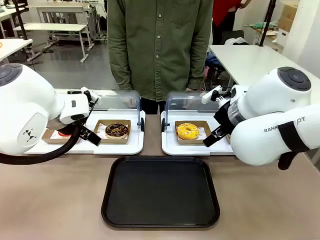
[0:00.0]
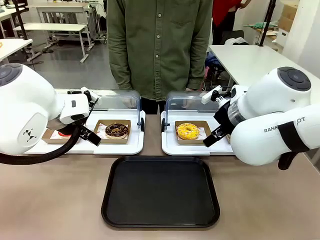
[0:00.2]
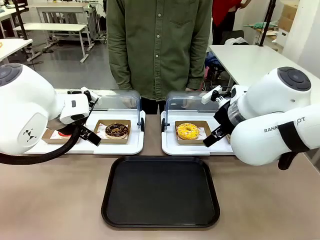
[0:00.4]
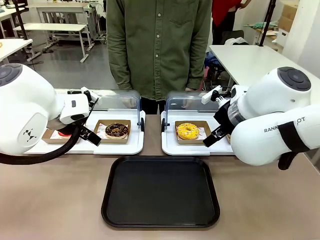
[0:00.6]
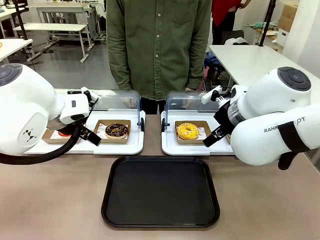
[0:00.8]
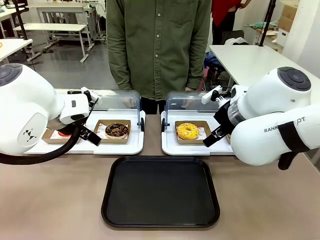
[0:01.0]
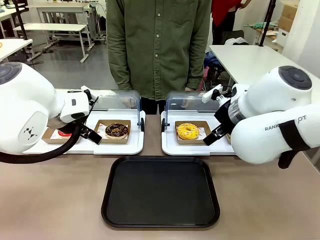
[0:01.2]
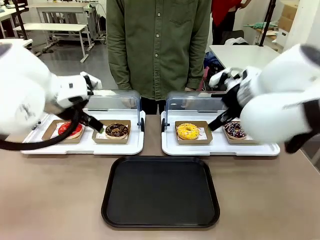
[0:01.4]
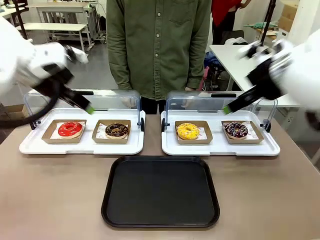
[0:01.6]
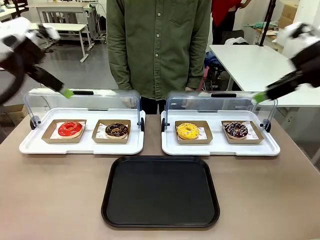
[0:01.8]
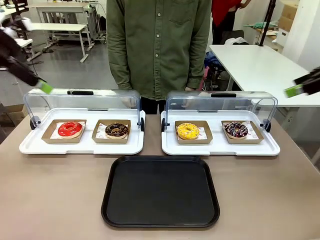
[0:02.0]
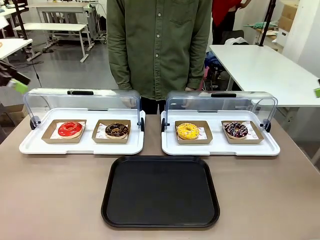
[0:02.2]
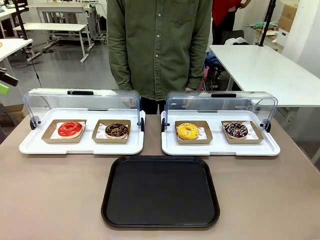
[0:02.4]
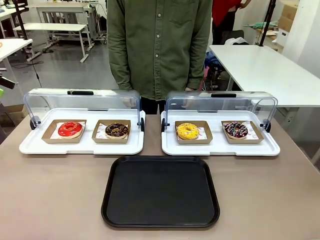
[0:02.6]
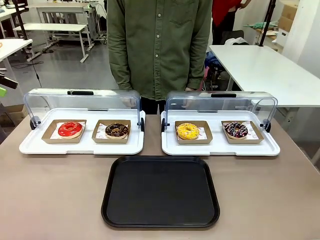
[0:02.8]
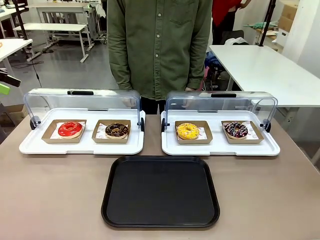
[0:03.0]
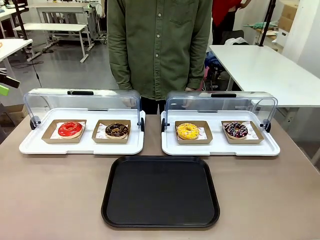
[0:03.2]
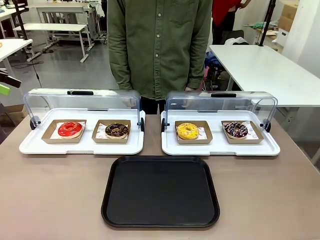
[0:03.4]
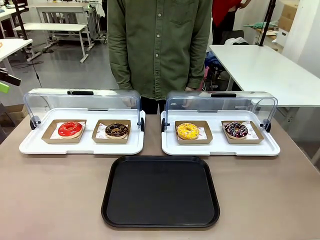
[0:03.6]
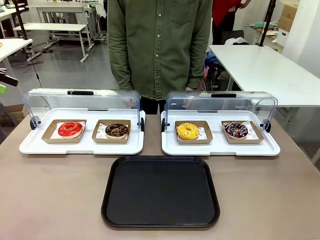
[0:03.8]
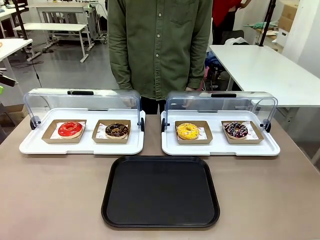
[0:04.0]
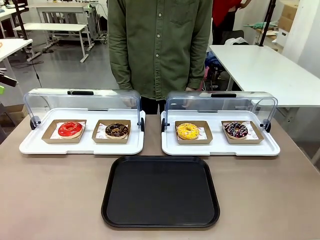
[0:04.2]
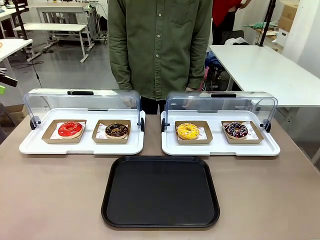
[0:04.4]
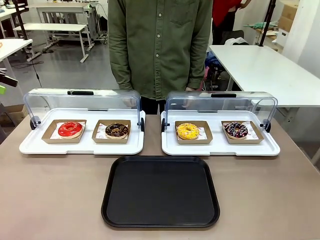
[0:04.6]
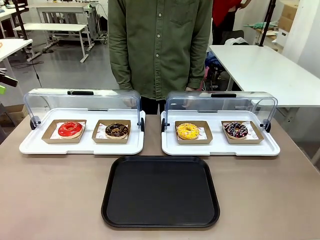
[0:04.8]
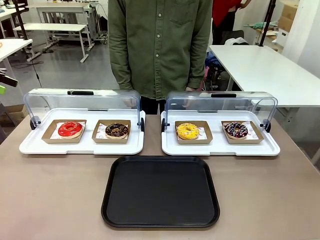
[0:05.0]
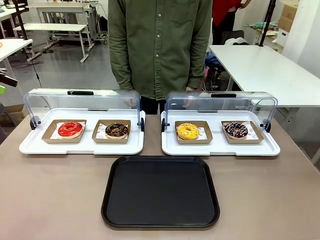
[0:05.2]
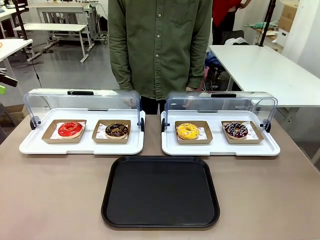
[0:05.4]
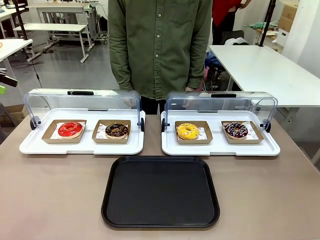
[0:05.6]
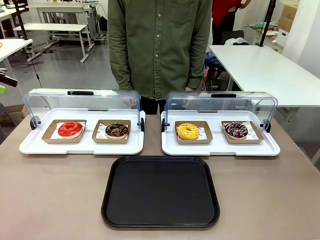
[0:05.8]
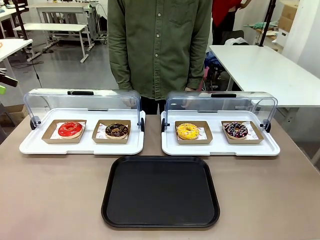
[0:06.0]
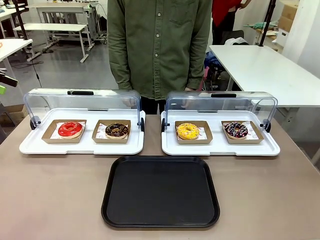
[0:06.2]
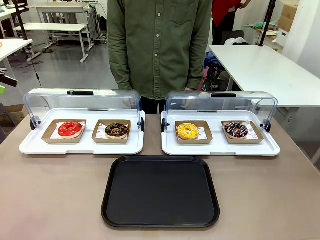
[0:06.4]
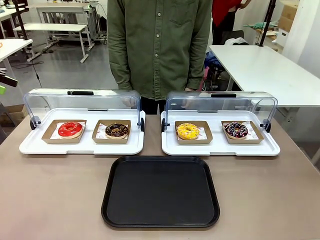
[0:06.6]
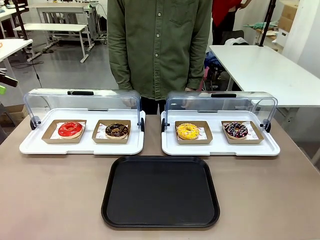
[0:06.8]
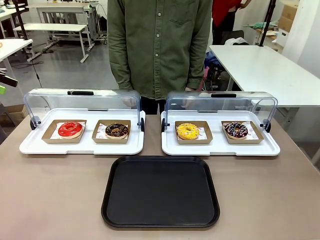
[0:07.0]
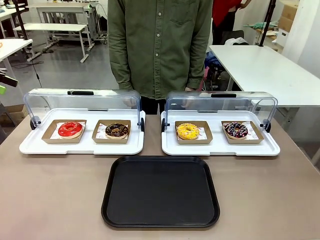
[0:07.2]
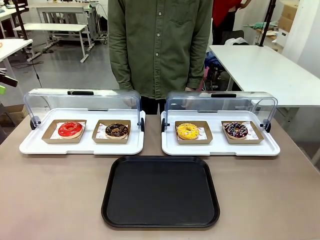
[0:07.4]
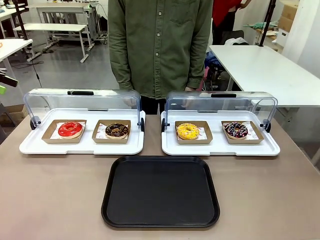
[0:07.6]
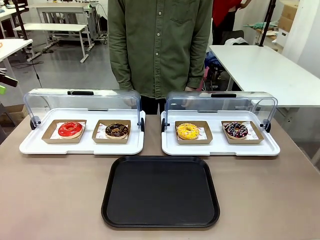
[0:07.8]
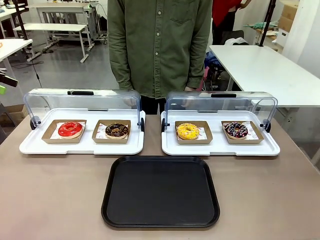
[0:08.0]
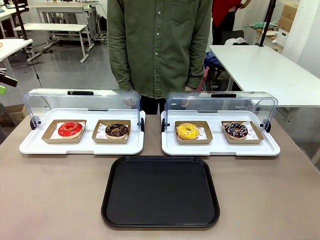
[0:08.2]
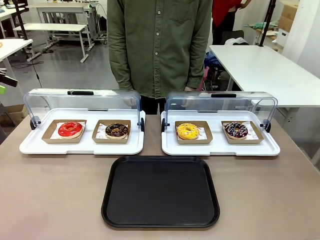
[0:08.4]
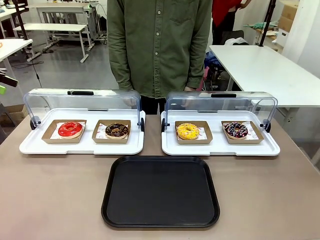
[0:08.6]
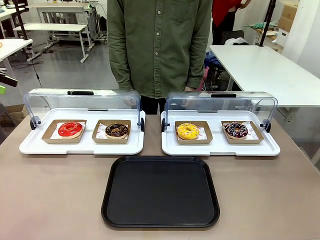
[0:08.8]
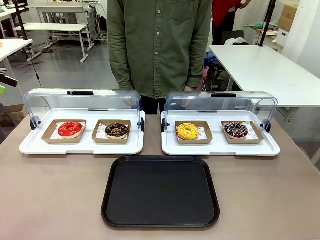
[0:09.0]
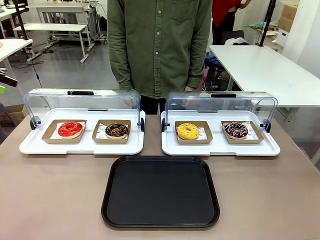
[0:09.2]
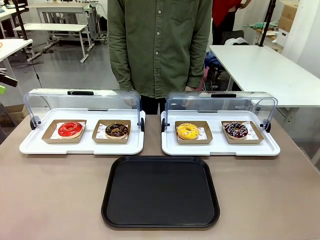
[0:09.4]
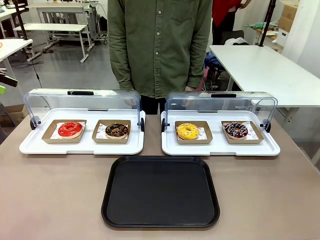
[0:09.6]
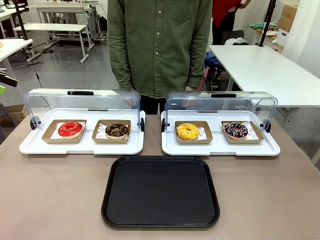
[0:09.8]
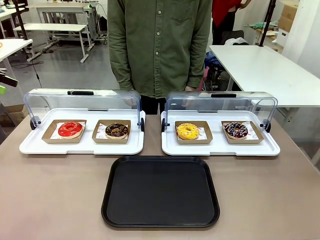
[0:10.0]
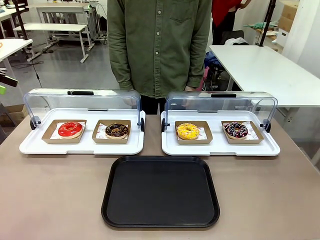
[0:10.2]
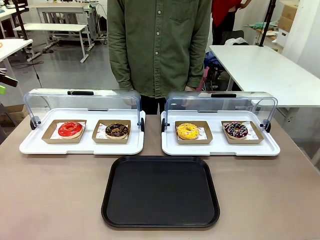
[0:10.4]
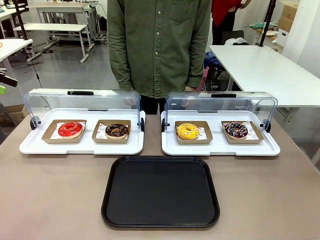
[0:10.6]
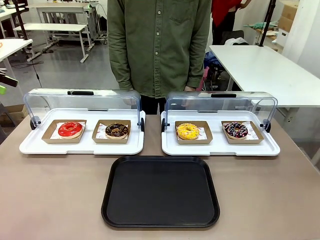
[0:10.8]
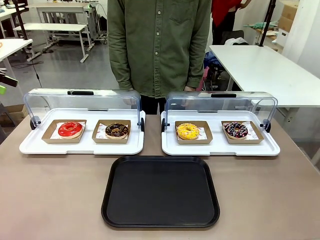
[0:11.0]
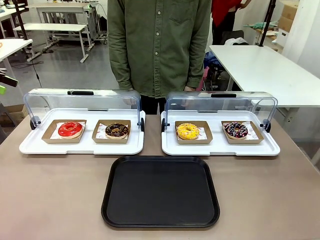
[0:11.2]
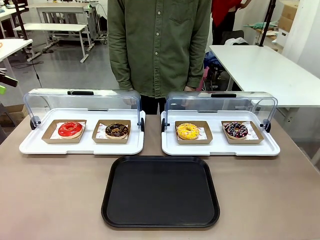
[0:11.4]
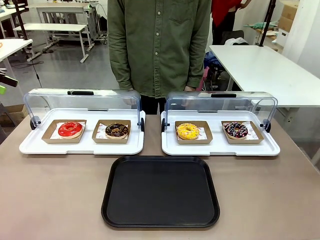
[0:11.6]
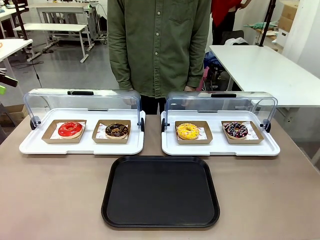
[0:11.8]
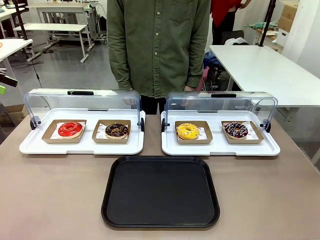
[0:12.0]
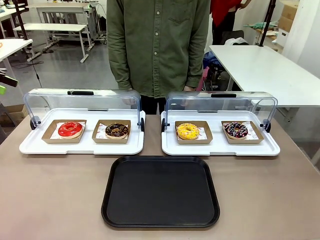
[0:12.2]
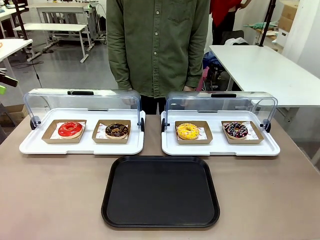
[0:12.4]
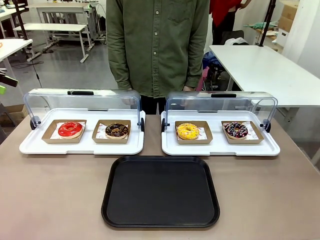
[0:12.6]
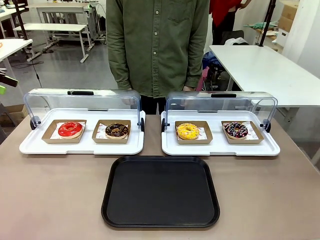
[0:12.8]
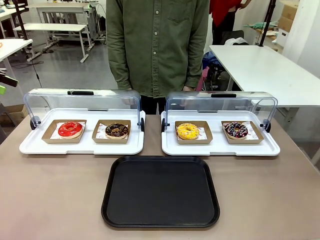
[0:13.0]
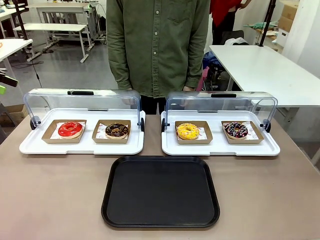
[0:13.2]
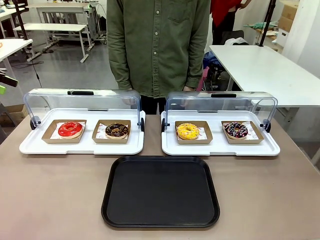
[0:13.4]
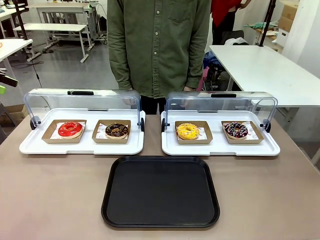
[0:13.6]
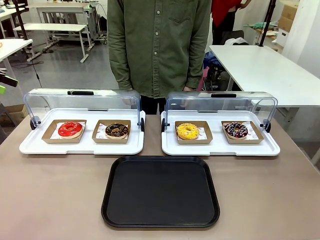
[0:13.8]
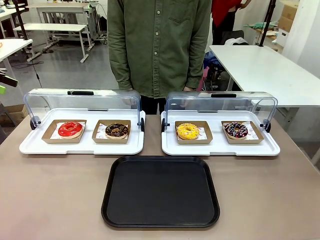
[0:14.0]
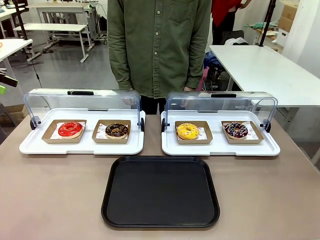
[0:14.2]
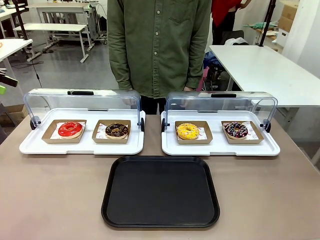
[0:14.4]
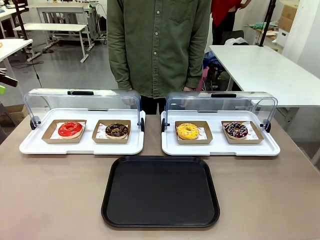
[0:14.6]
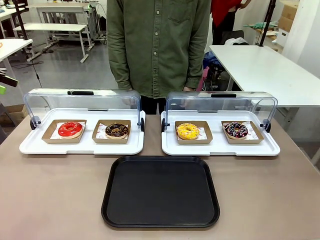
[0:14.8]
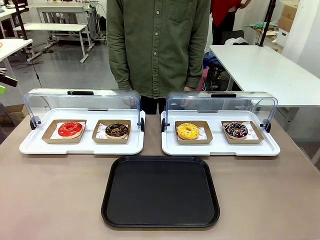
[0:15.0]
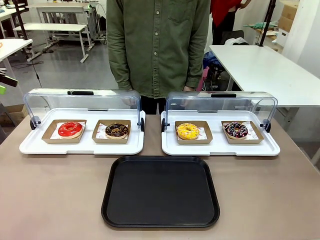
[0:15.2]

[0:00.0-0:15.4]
Task: Move the second donut from the left to the tray.
Robot: Pick up the Paper togo box containing the Donut indicated by the person and place it on the Handle tray.

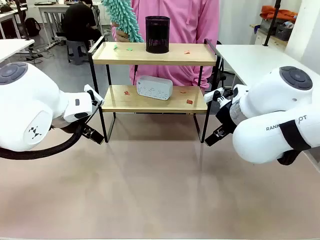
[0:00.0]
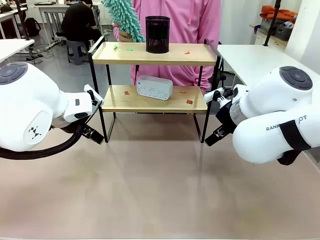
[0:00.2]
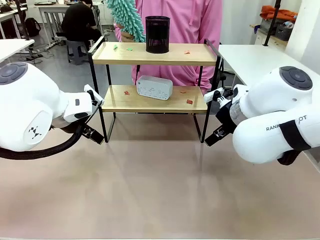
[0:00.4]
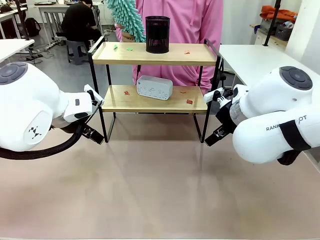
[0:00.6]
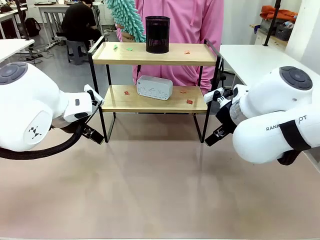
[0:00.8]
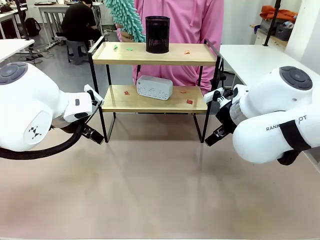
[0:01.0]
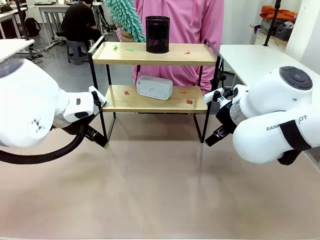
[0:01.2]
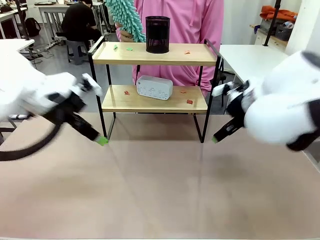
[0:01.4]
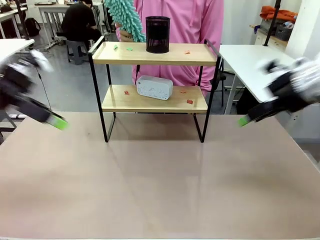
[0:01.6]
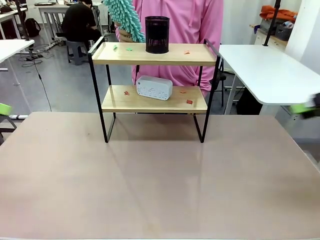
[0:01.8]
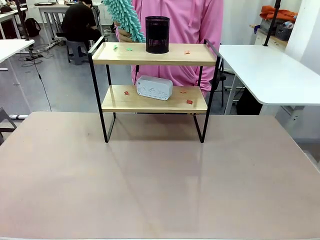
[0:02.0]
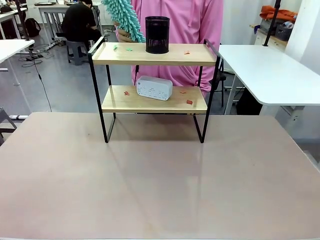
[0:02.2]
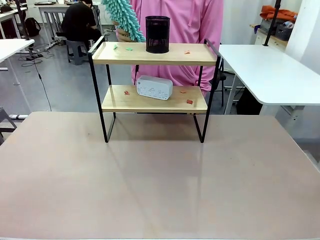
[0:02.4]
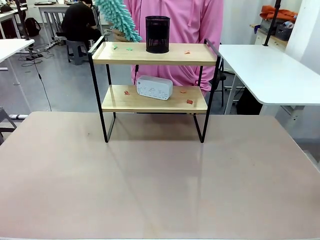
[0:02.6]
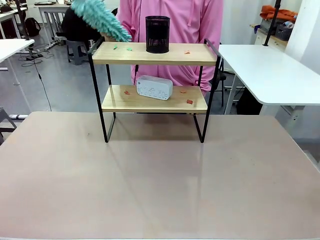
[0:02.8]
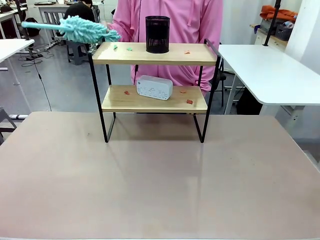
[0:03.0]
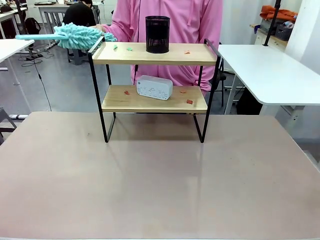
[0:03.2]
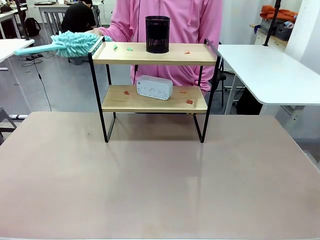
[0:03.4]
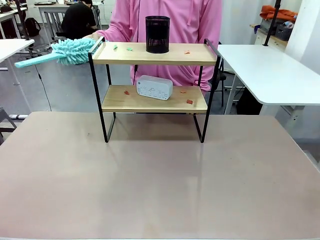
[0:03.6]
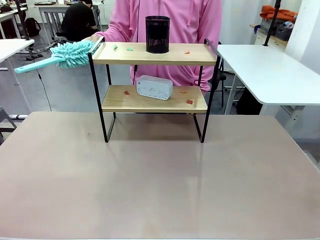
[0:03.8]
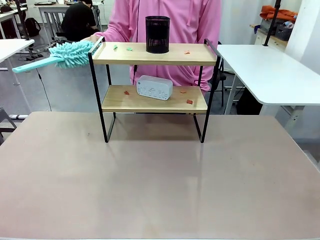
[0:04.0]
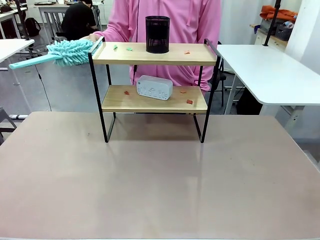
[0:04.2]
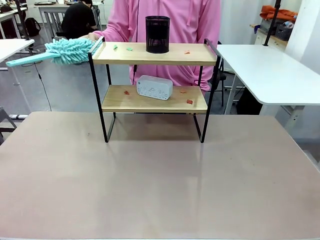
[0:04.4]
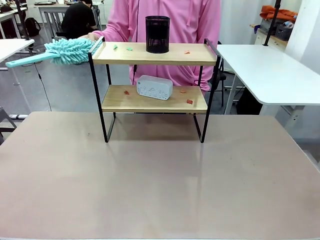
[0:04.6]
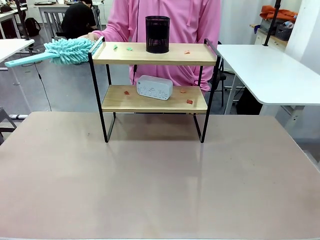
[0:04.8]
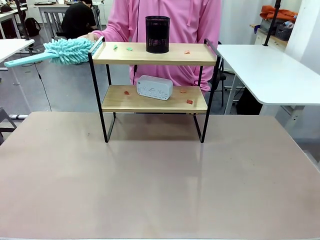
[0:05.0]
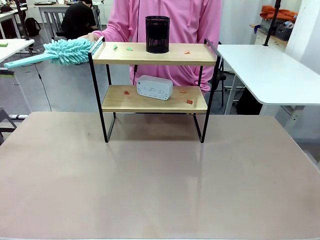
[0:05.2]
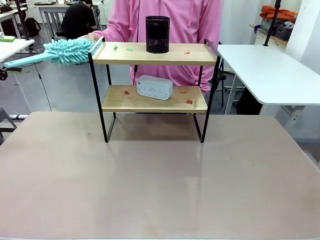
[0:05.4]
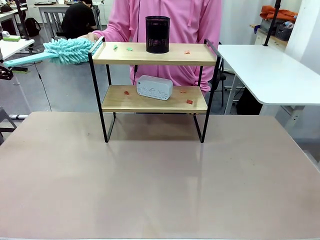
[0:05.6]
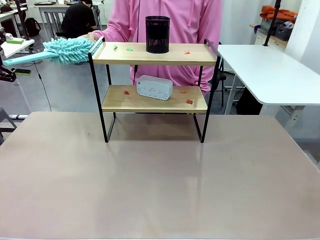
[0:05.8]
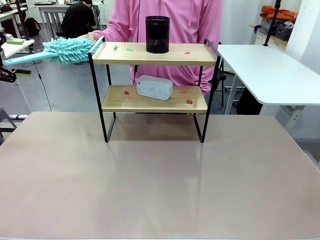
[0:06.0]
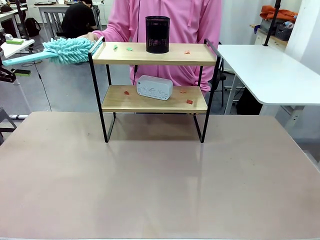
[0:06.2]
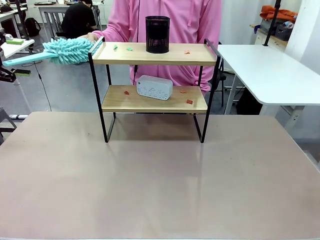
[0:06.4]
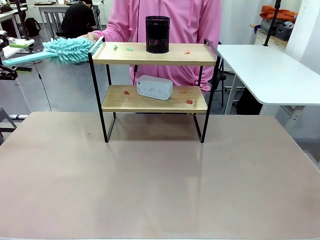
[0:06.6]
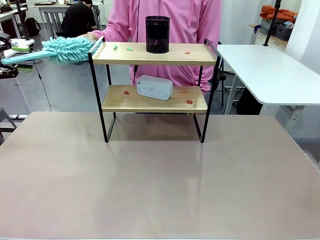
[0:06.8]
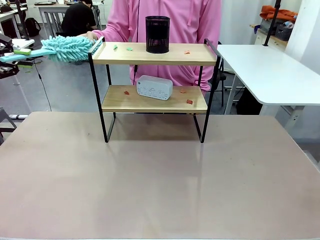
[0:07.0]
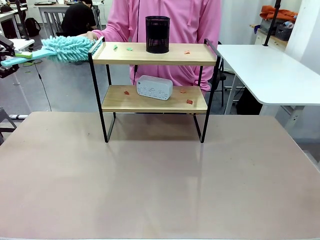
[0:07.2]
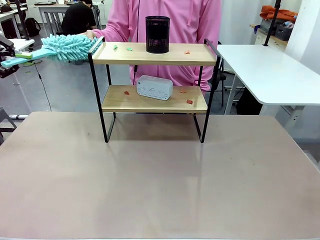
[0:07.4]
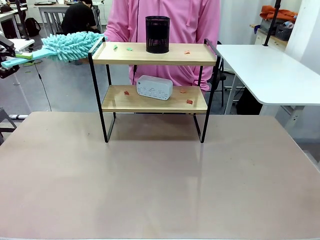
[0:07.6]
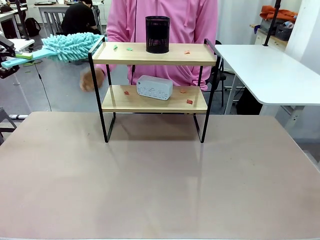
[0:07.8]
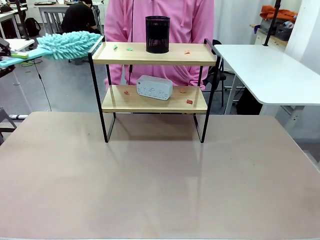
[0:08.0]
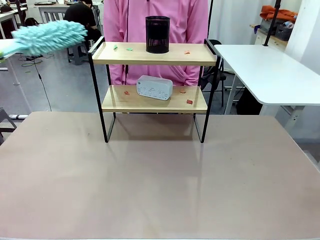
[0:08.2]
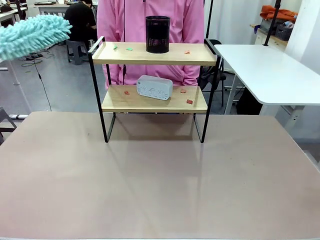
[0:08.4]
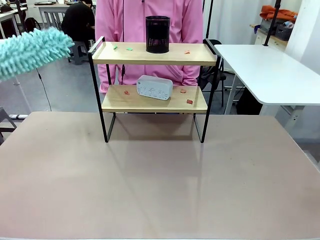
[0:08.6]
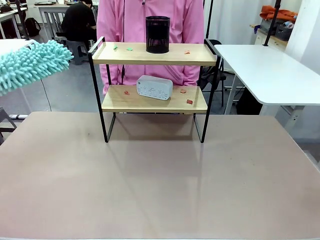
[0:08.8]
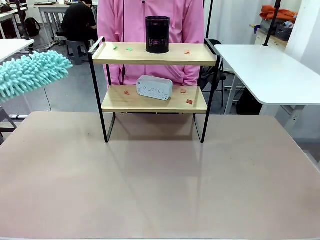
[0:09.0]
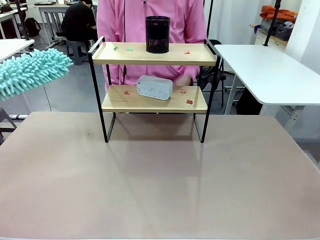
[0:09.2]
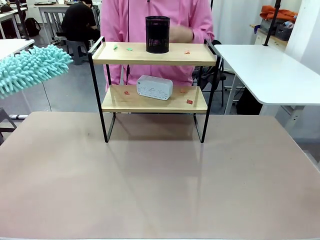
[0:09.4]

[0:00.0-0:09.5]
Task: Clean the shelf.
Robot: Pick up the Duster from the human.
Person: Hand the Duster to the robot.
